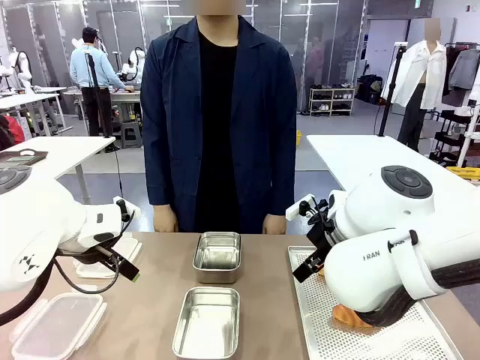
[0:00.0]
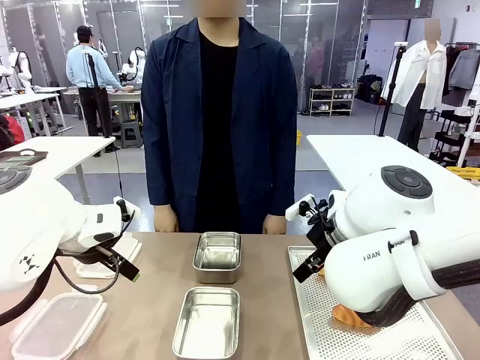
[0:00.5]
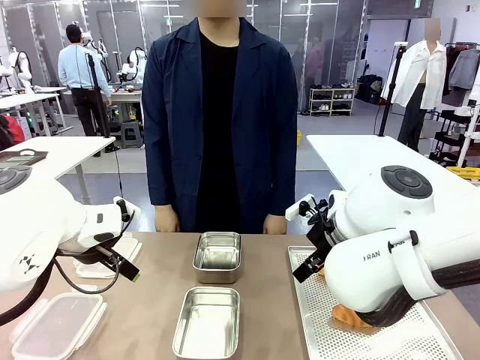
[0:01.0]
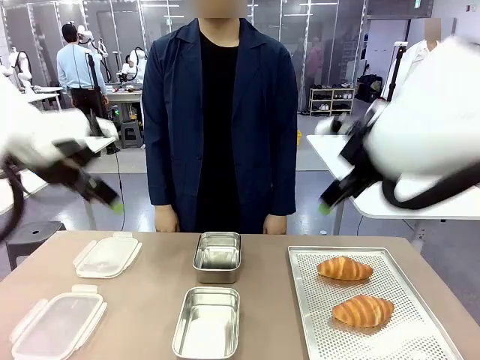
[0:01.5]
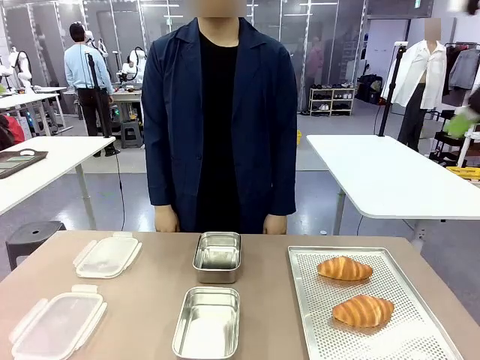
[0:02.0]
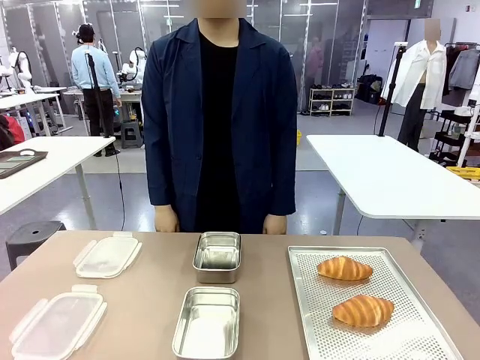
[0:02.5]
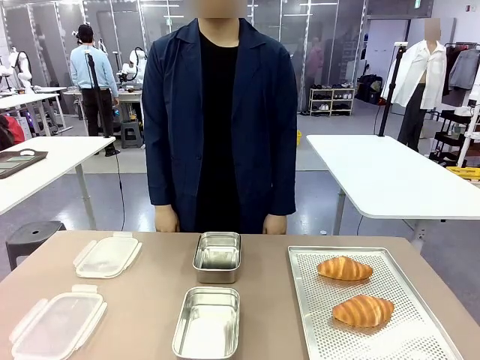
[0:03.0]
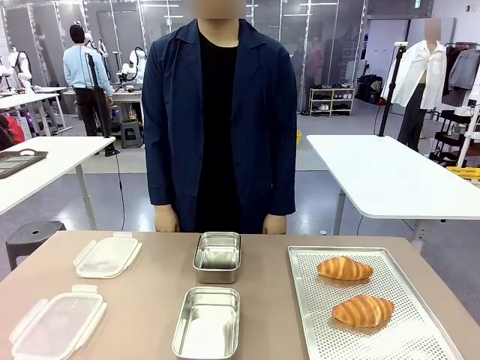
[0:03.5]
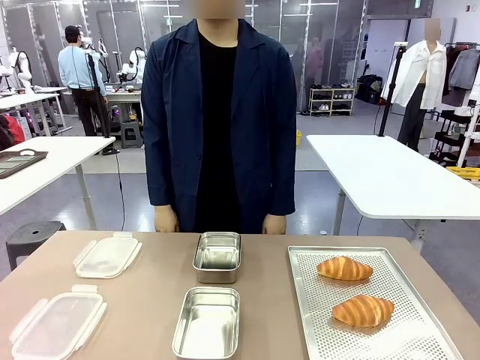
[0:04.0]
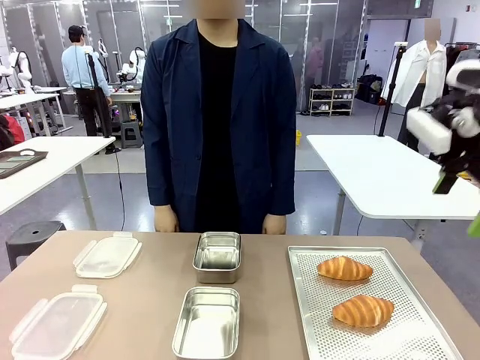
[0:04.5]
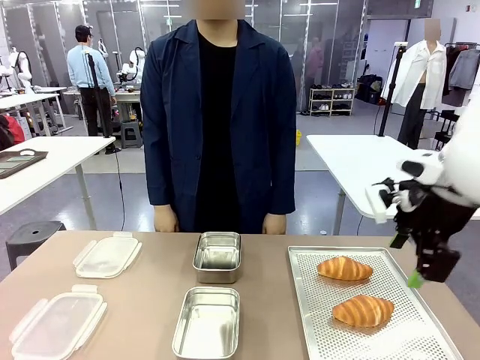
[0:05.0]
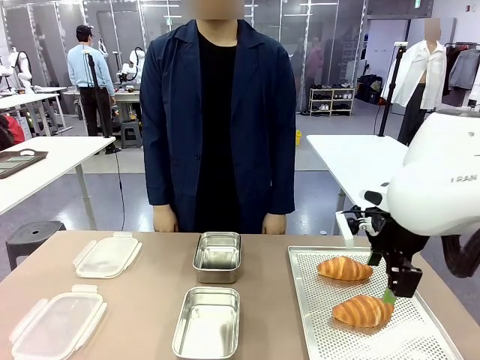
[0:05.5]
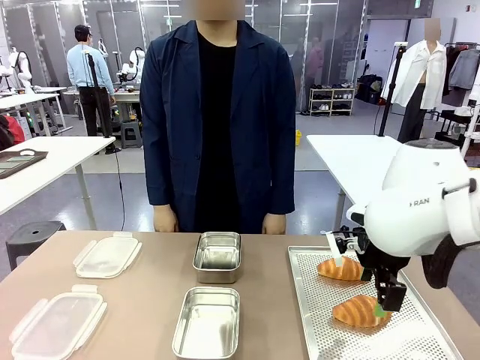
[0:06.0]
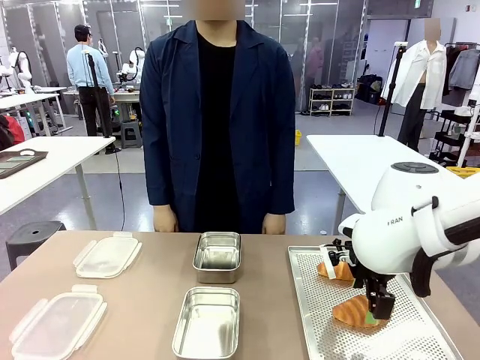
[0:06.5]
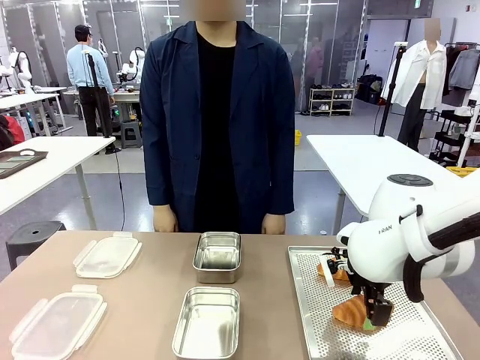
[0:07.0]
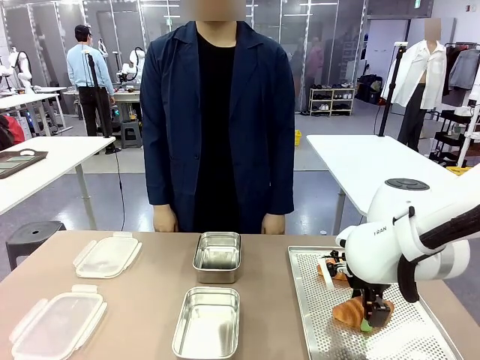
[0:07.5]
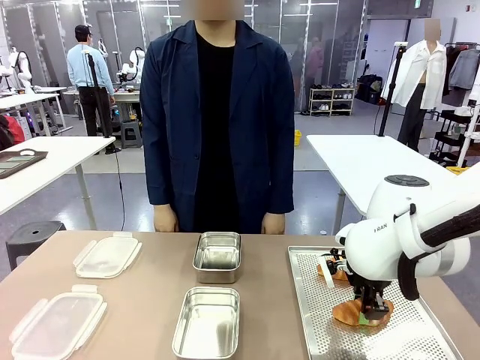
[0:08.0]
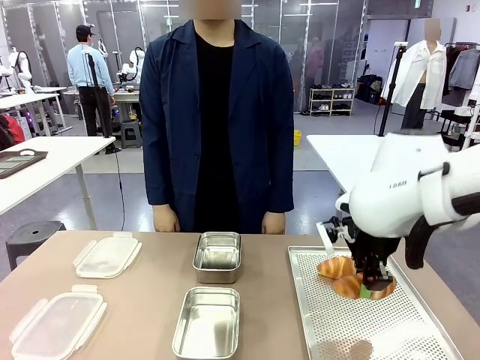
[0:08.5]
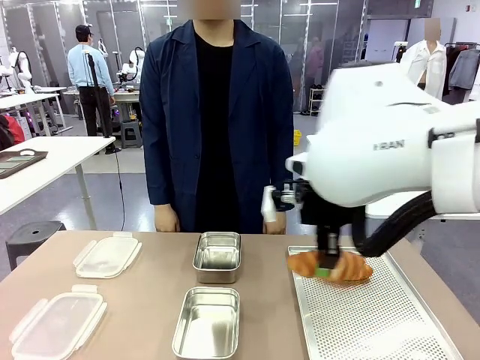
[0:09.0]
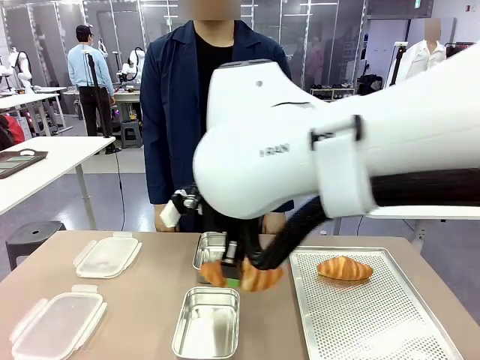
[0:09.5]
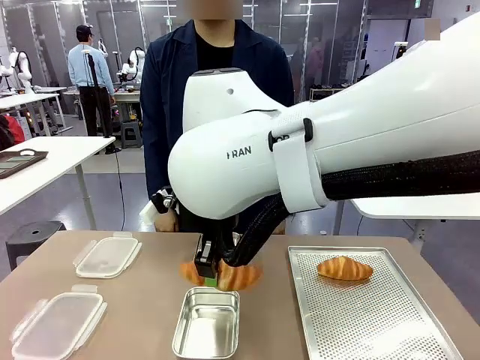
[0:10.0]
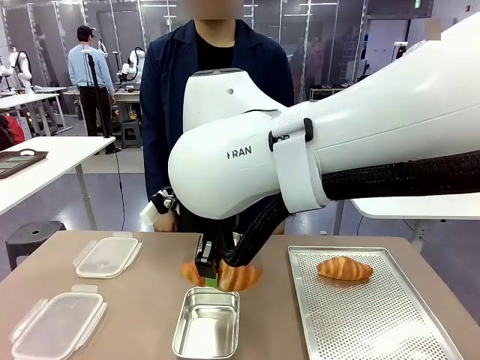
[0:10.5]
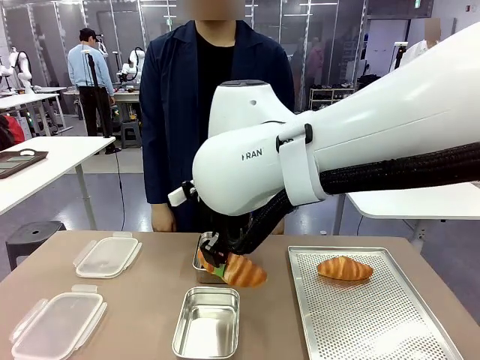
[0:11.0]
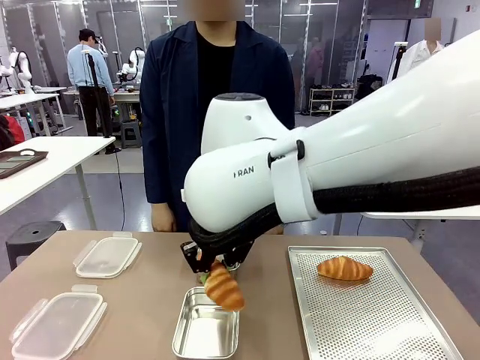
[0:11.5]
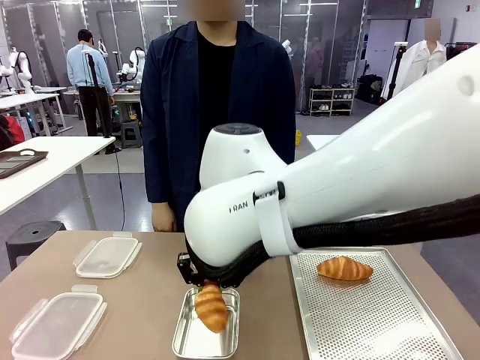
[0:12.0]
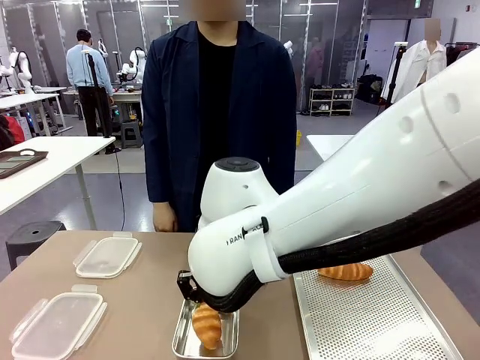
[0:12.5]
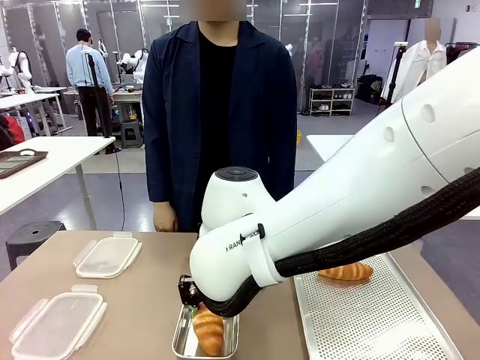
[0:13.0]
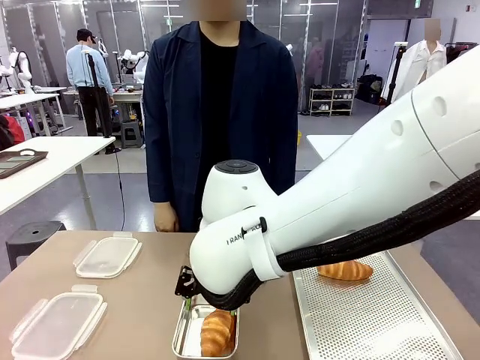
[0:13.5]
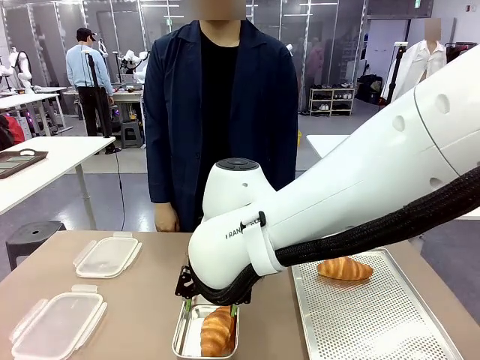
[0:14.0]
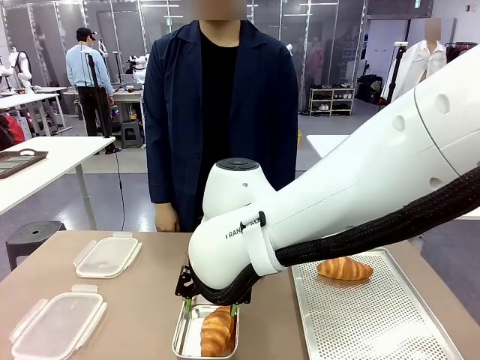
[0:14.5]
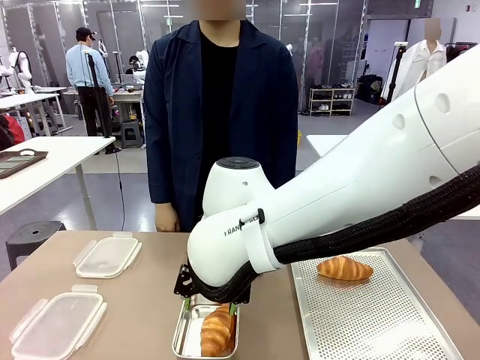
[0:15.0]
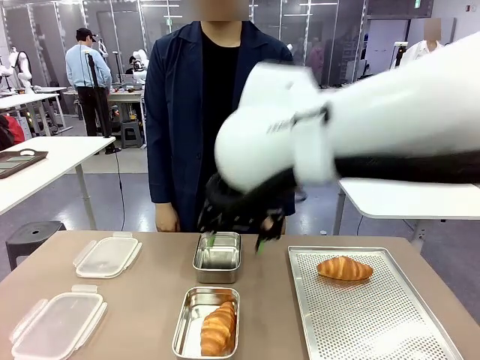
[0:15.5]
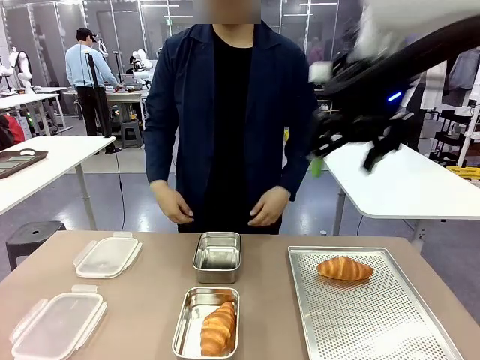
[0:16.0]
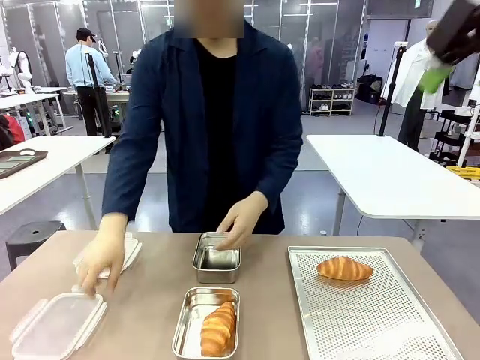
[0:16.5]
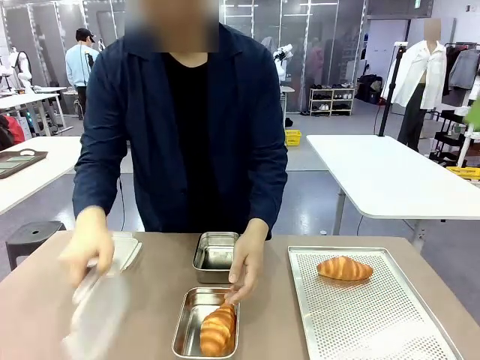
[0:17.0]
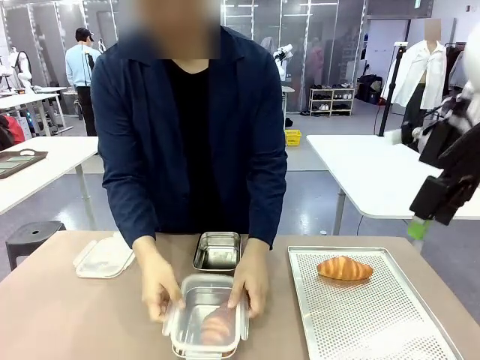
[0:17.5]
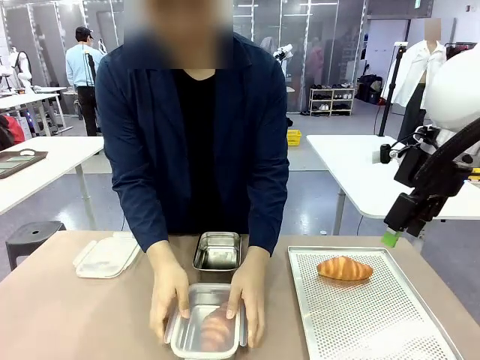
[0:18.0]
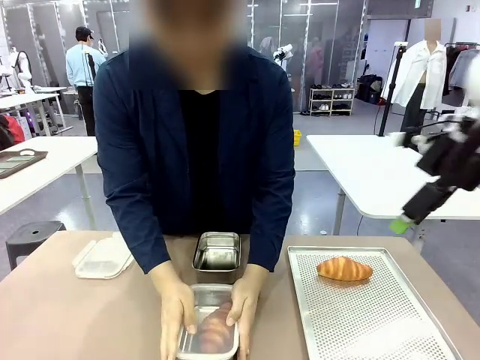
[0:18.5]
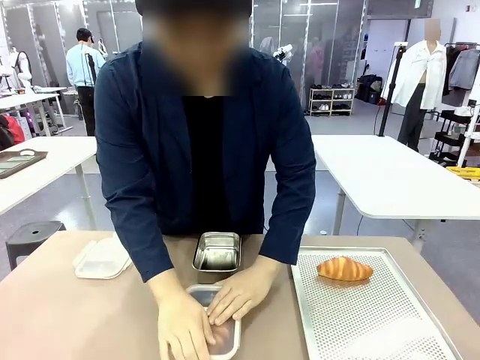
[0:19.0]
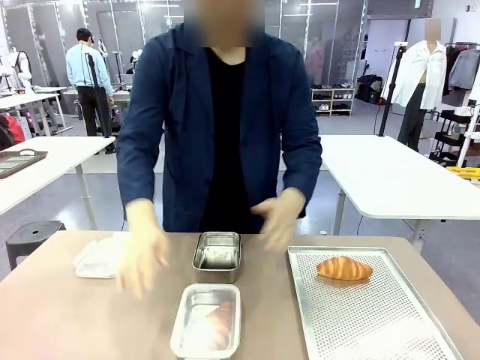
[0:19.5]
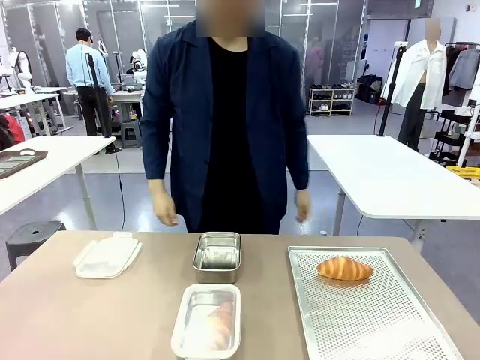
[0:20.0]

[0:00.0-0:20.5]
Task: Place the bread into the airtight container.
Robot: Pick up a Butter Roll and place it into an empty Airtight Container.
